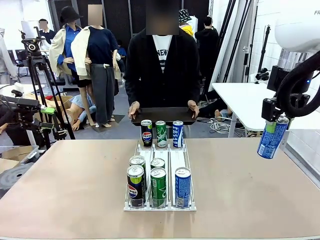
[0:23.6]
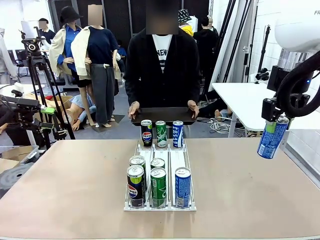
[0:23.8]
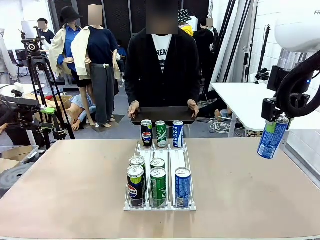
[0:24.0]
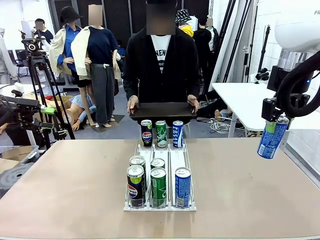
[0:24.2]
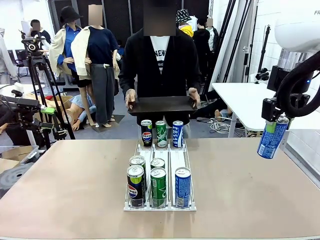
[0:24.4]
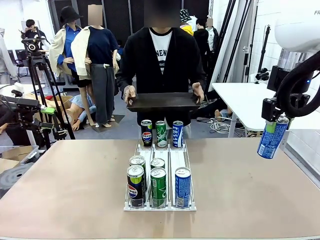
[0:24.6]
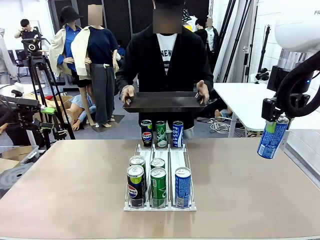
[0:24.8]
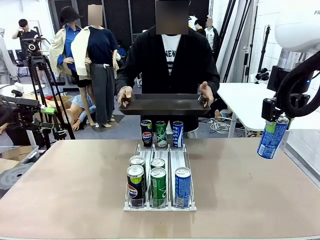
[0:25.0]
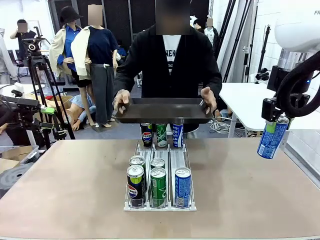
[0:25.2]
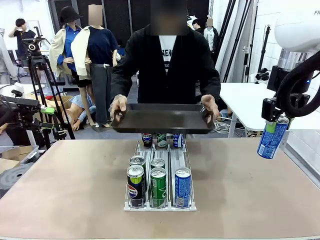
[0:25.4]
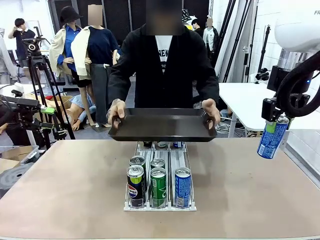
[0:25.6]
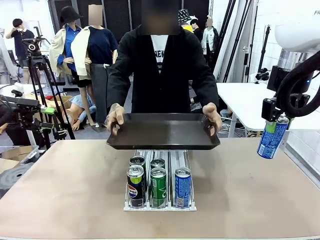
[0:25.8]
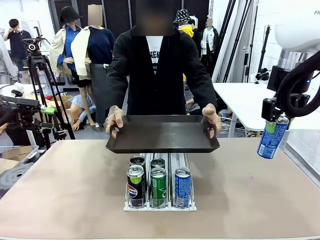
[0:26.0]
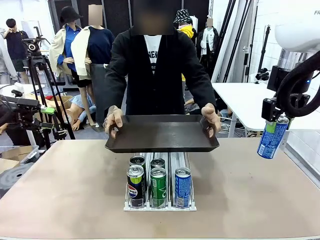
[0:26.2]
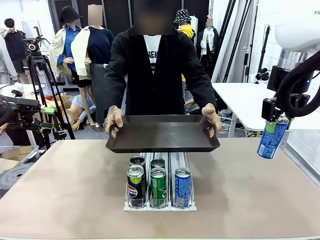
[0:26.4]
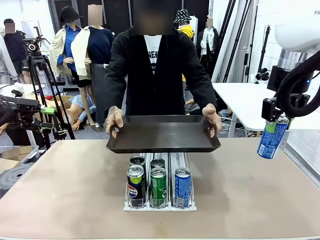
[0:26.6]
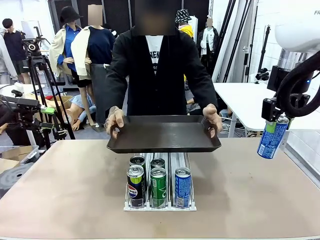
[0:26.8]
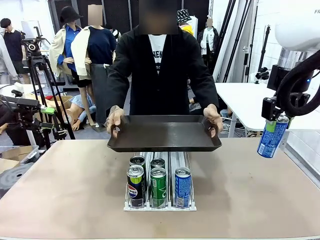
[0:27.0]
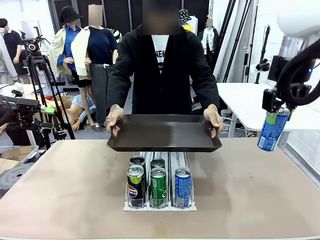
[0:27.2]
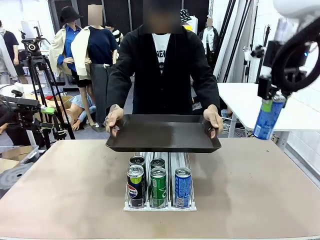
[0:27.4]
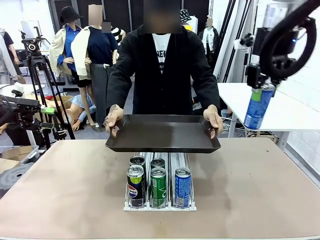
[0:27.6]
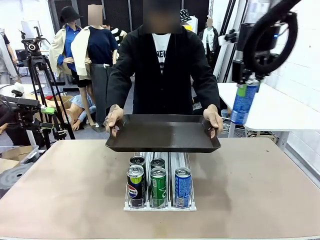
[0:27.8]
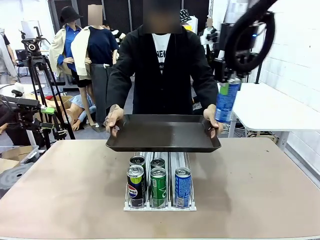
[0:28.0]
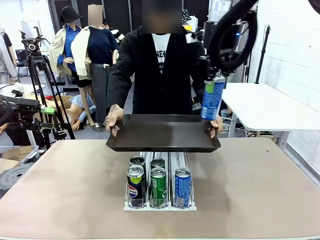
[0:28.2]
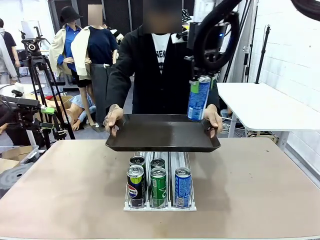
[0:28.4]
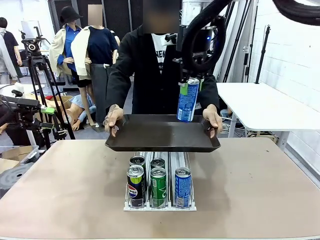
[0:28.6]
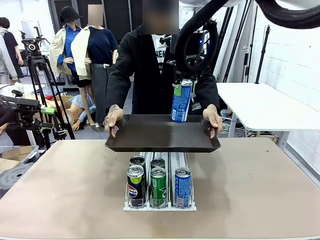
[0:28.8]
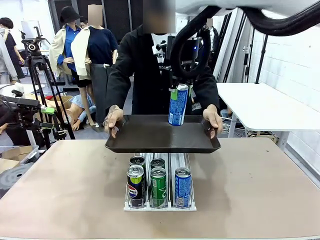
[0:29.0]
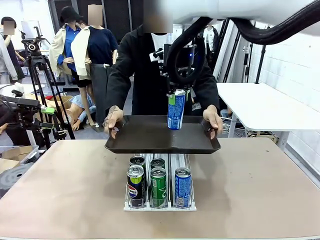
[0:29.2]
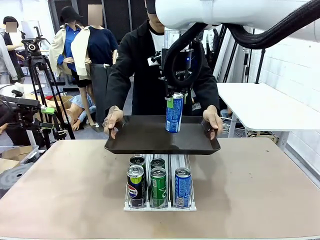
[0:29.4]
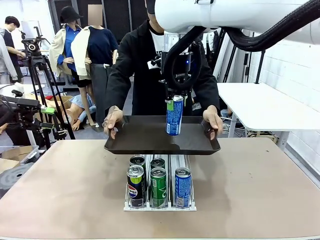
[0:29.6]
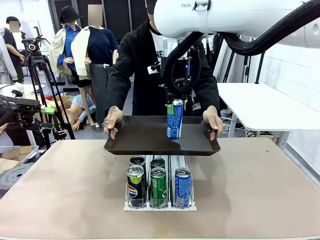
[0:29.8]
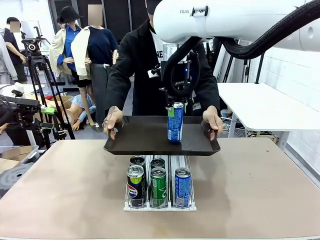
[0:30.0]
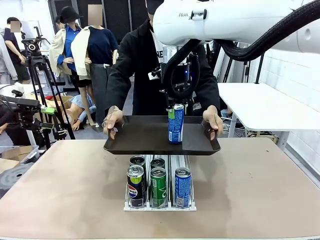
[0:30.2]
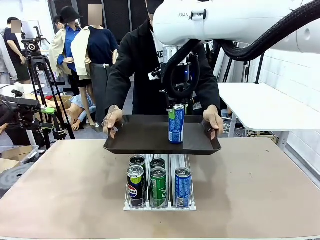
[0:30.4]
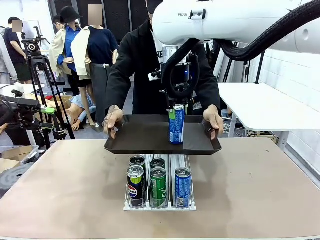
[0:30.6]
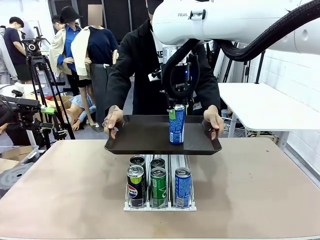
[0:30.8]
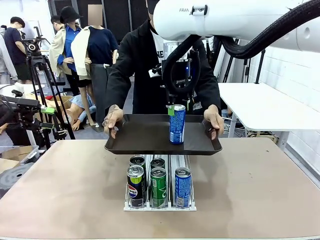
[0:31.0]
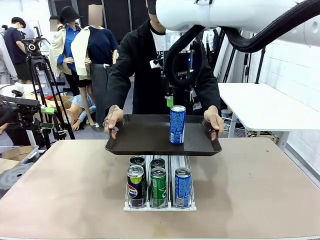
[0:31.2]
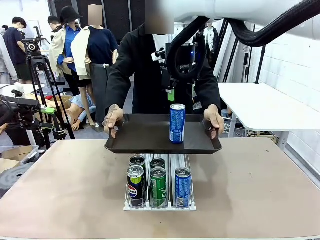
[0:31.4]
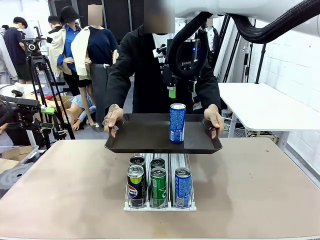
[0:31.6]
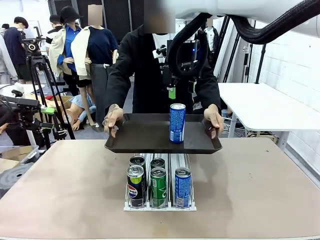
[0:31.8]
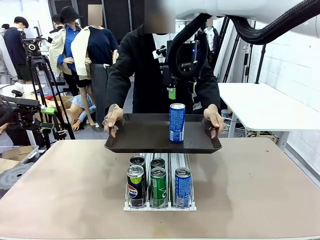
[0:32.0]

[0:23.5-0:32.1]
Task: Retrieve and hand over the desired beverage to the person.
Robot: Place the picked can on the Handle tray extended by the person.

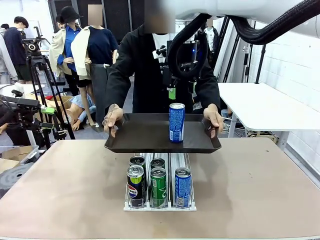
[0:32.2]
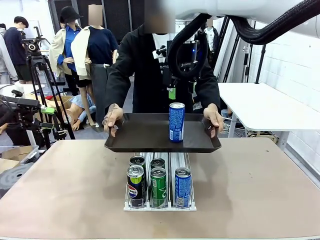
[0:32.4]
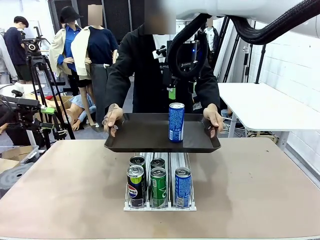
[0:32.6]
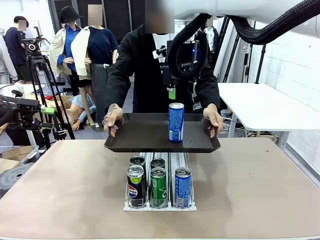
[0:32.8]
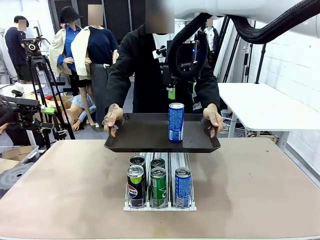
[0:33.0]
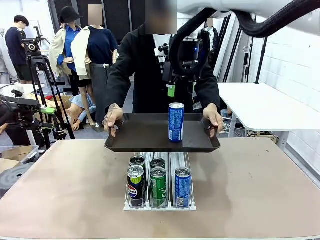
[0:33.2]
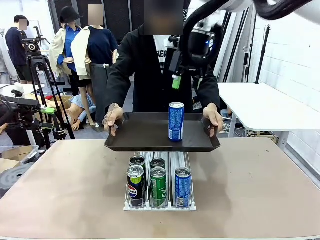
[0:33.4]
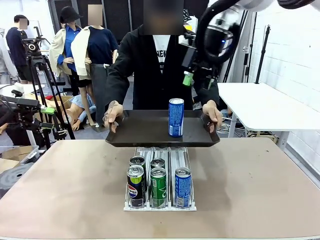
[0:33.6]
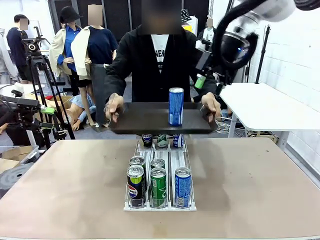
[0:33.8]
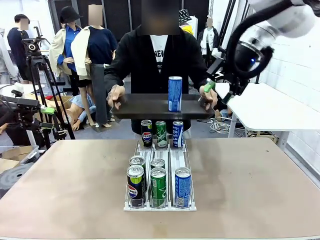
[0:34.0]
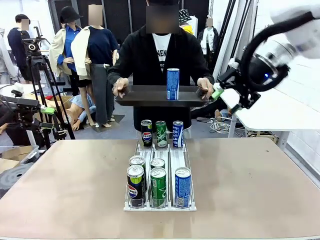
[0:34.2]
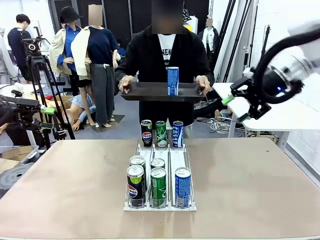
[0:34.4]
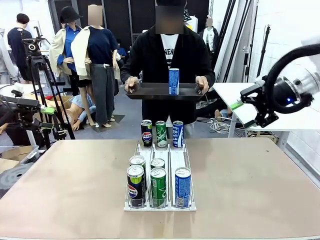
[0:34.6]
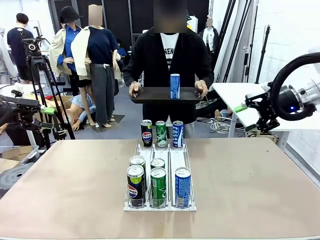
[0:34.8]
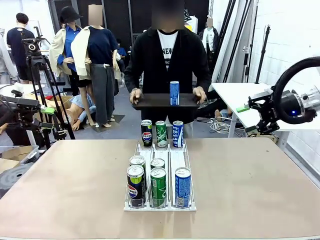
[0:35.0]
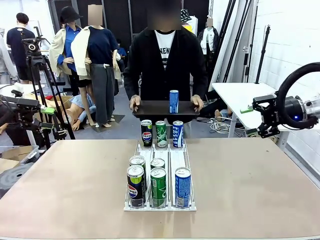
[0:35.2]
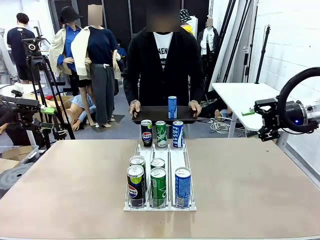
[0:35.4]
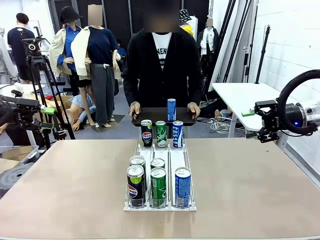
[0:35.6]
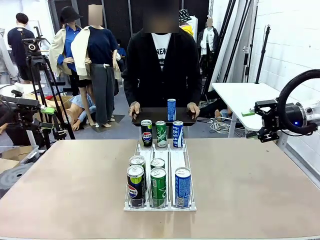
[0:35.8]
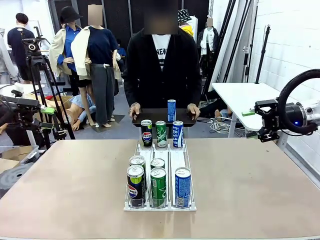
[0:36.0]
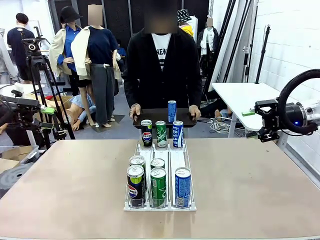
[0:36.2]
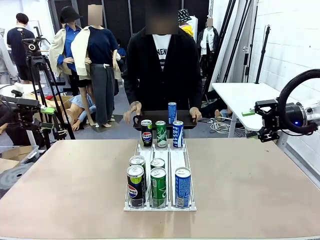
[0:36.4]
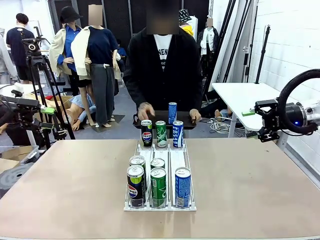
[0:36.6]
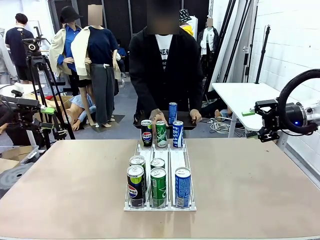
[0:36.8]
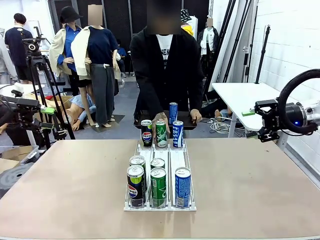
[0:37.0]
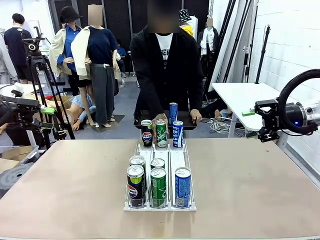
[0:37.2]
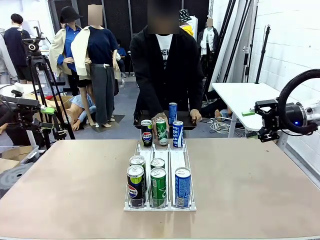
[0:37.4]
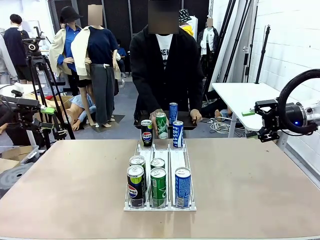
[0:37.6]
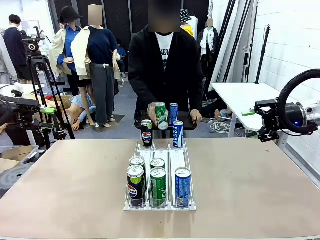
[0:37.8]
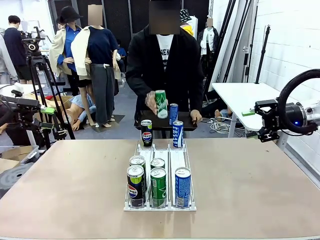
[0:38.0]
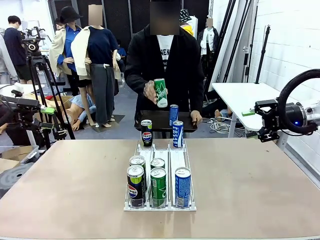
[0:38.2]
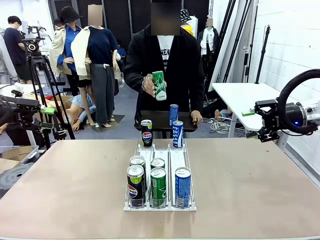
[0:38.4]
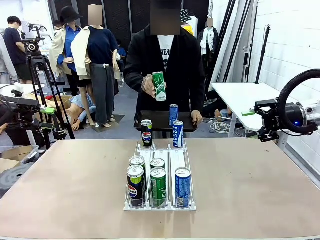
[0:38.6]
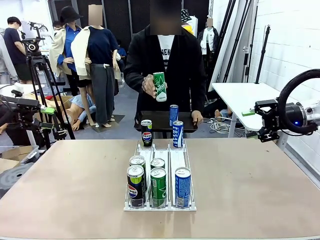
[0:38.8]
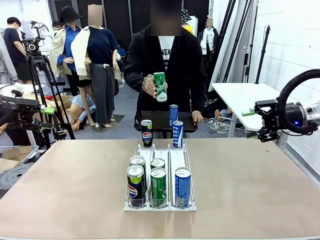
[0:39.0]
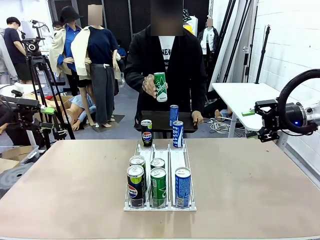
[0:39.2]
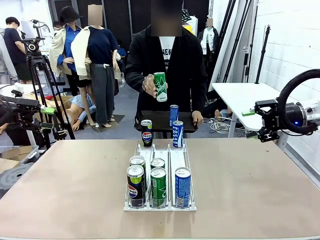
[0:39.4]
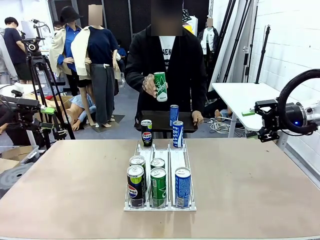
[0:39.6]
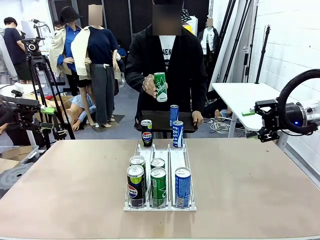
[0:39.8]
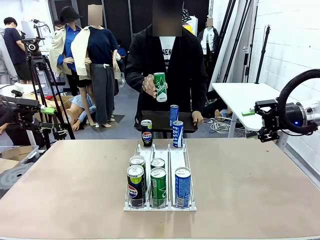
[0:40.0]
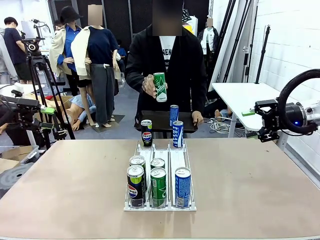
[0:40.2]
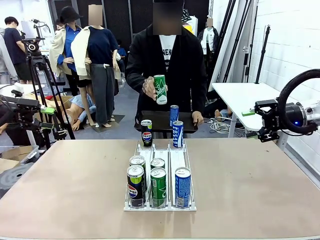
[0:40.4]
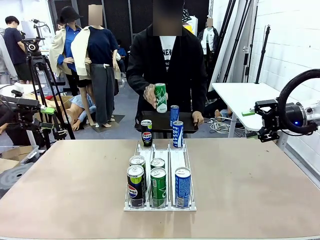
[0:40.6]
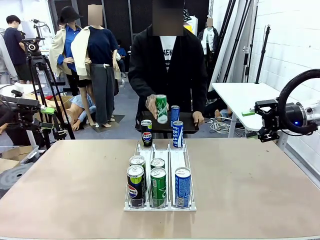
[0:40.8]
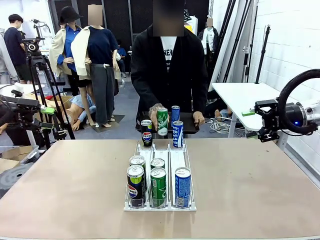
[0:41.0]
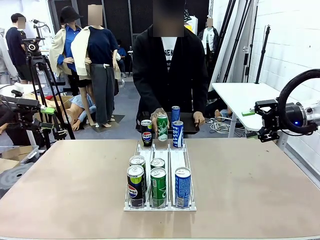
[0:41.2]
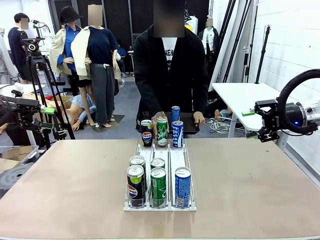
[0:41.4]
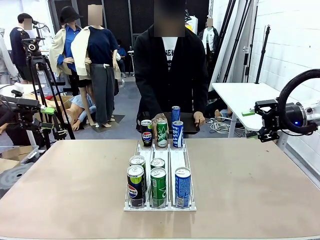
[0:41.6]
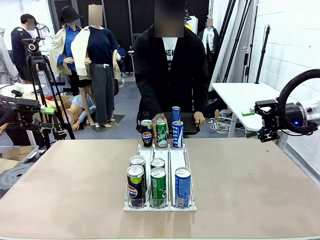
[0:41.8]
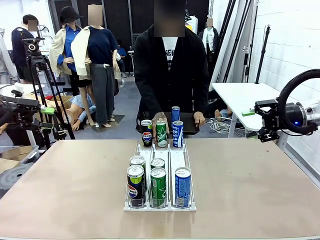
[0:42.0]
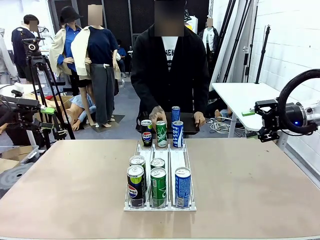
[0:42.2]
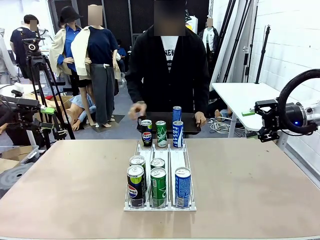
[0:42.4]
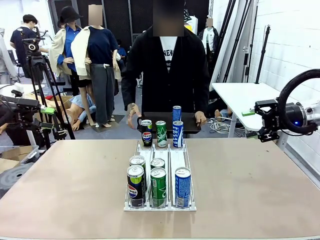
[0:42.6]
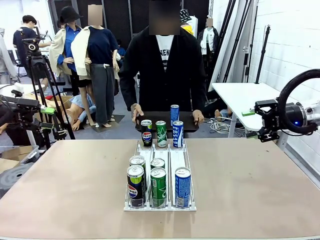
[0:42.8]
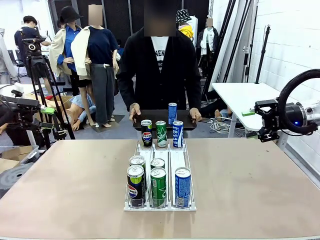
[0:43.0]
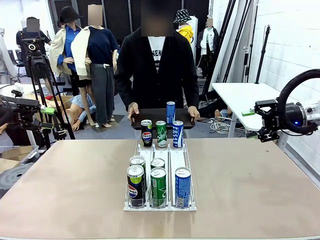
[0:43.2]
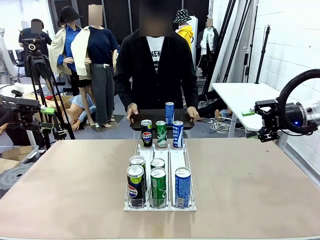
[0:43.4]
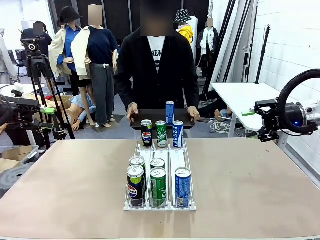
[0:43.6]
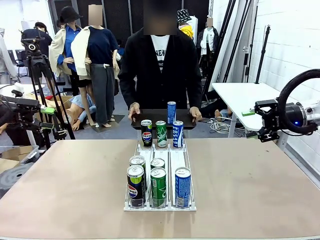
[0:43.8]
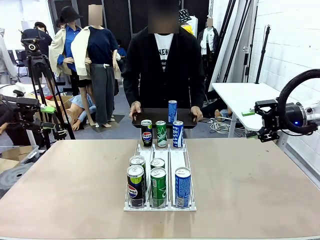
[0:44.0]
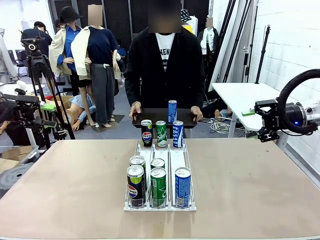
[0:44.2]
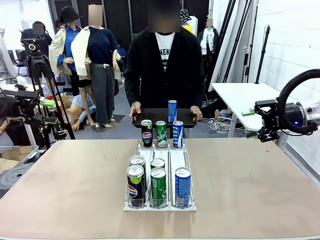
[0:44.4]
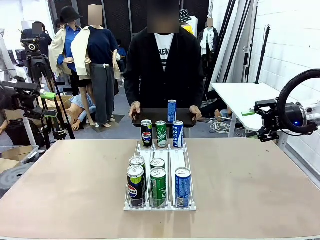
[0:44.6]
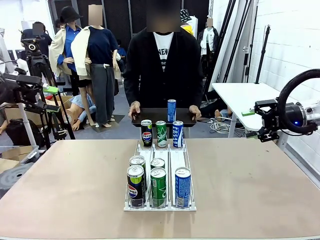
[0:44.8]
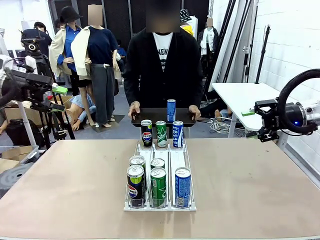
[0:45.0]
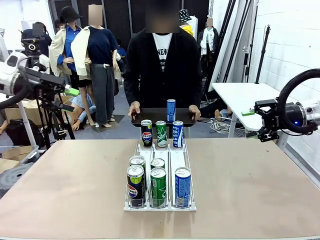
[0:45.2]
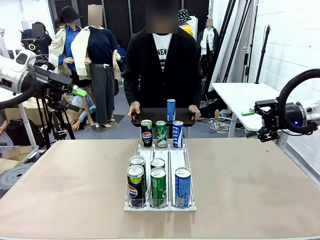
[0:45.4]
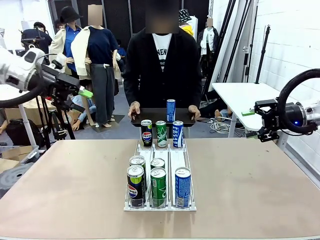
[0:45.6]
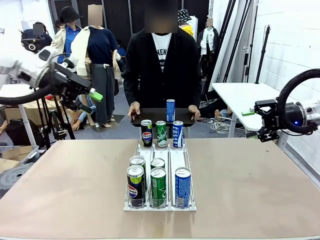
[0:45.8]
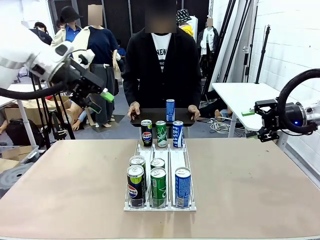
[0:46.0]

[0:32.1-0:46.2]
Robot: Pick up another can of the same type that the person held from the Automatic Can Dispenser.
Person: Pull the tray back, then pick up another can from the bottom area of the table and puts it back in its original place.
